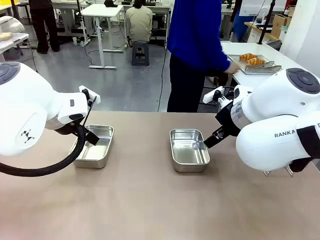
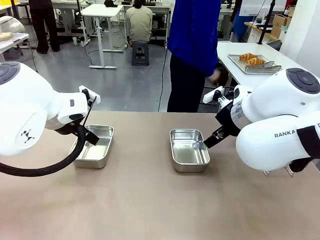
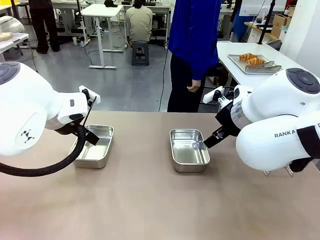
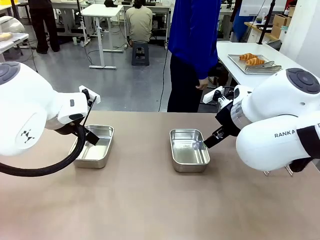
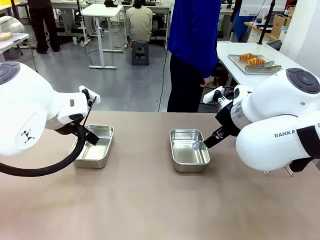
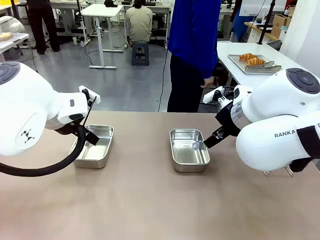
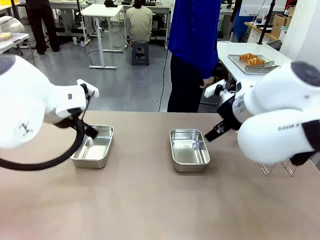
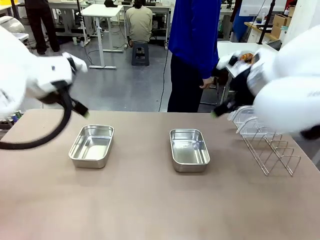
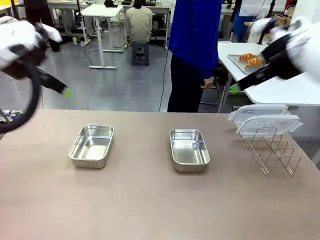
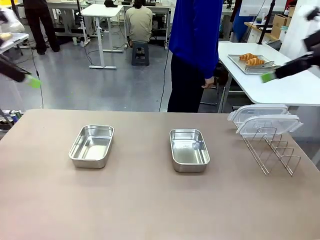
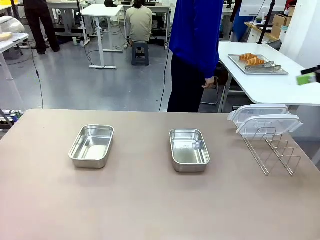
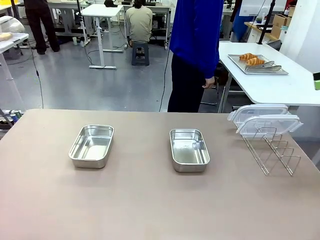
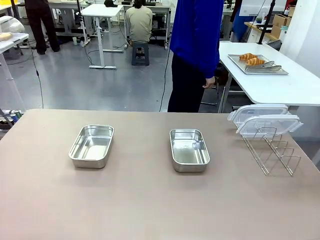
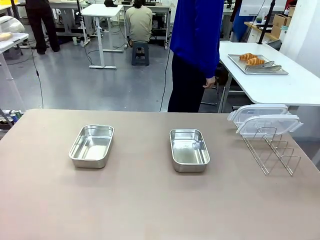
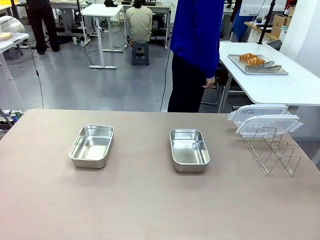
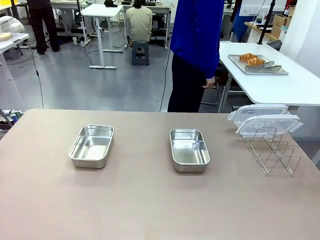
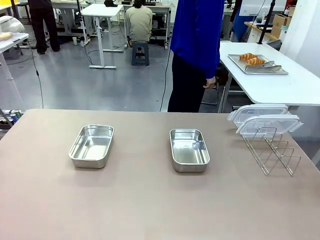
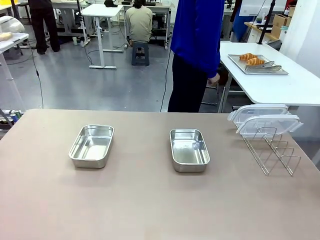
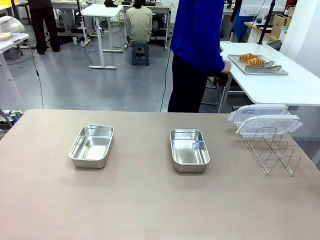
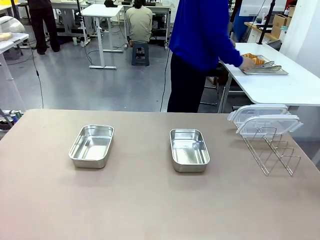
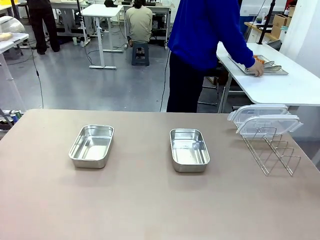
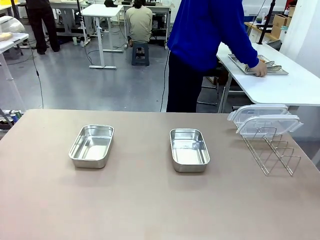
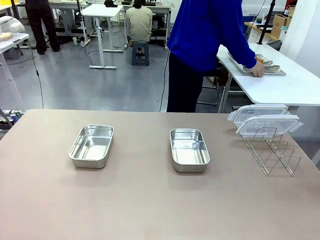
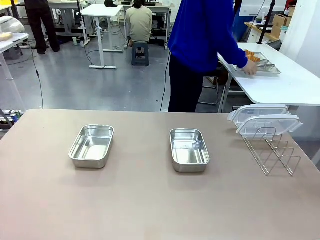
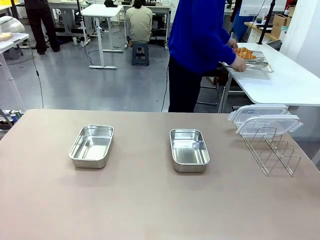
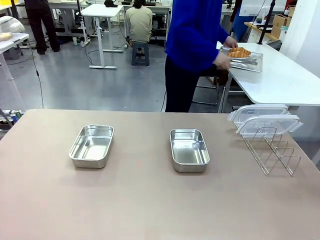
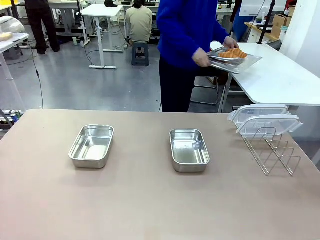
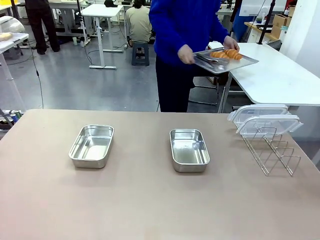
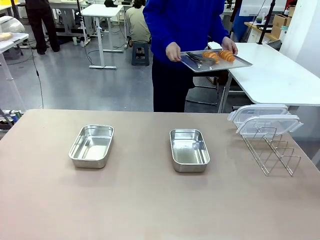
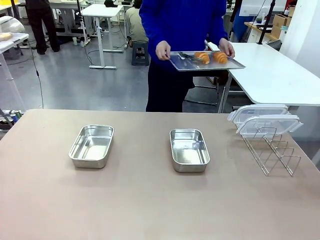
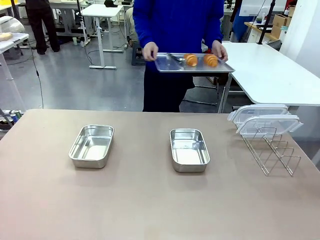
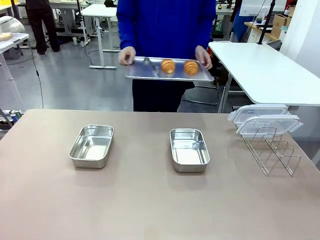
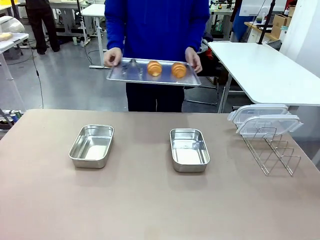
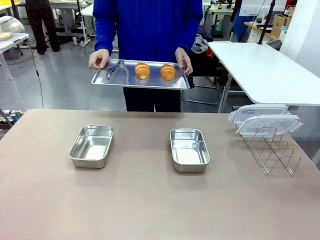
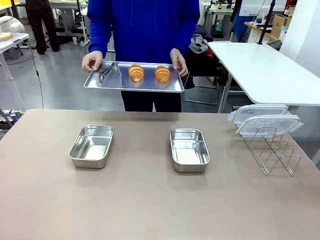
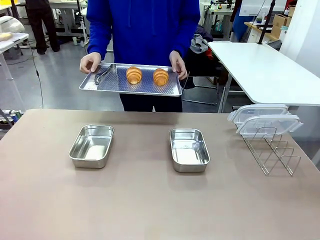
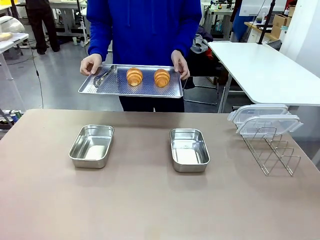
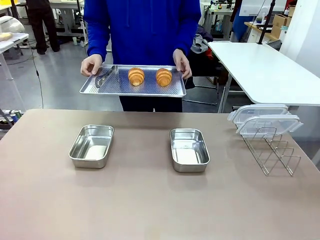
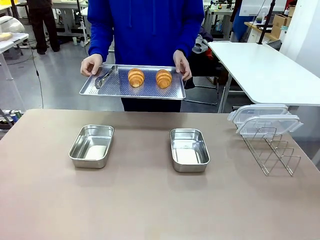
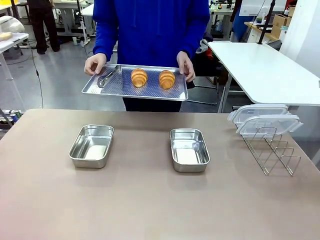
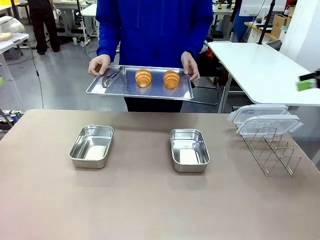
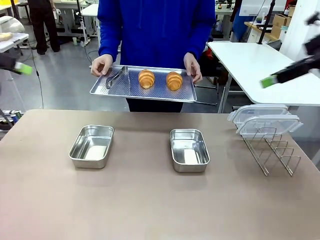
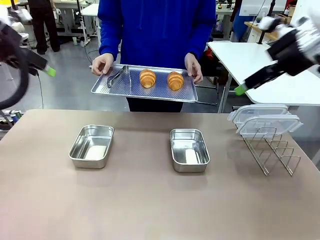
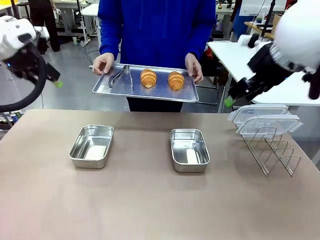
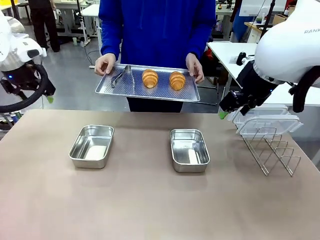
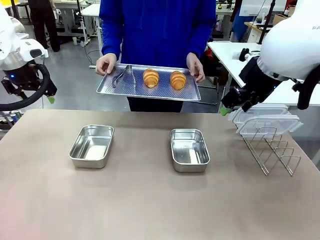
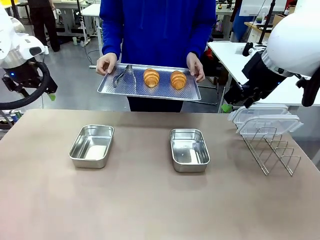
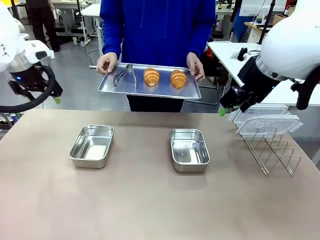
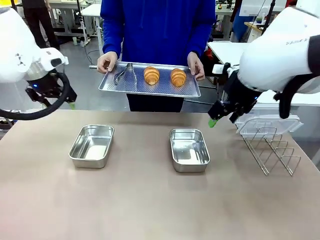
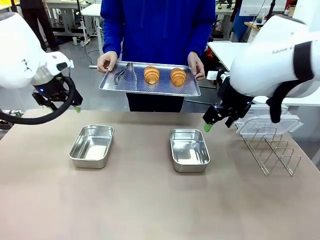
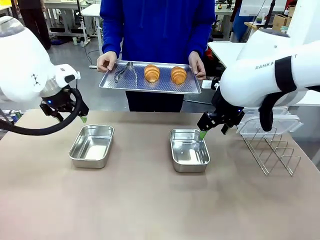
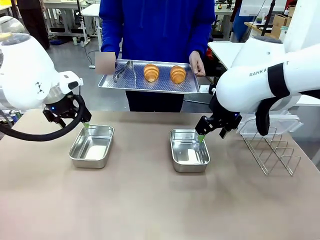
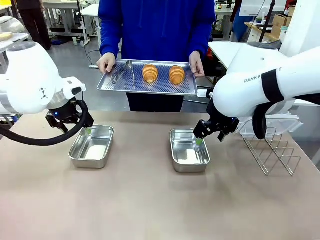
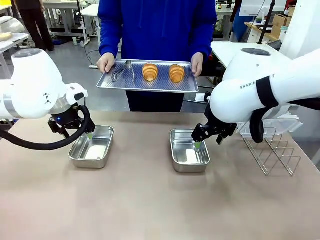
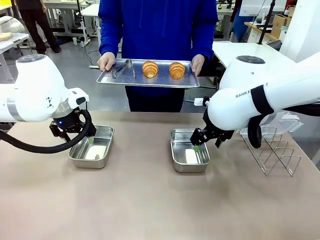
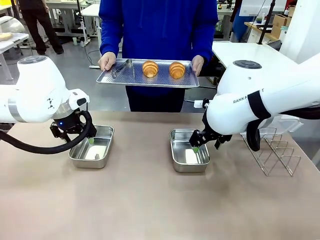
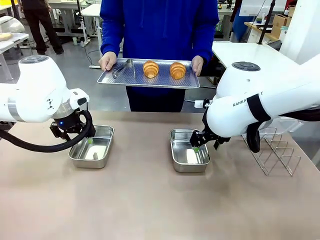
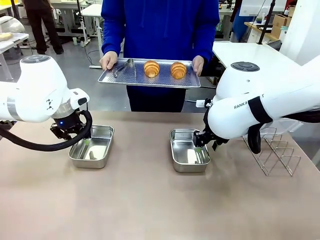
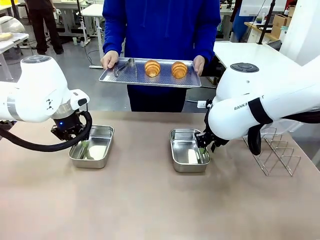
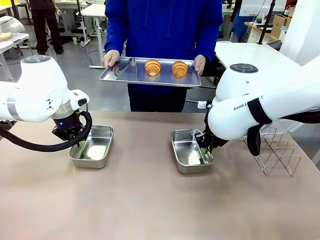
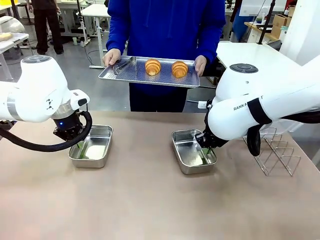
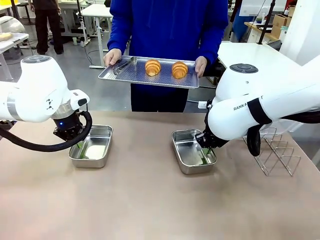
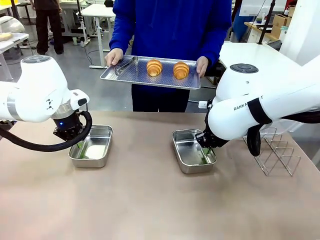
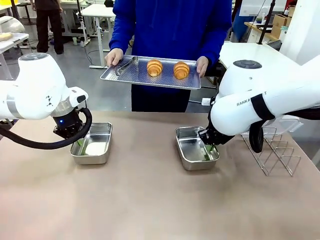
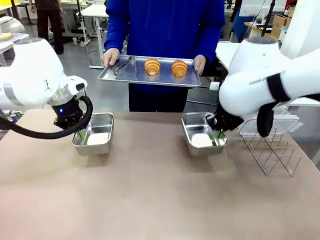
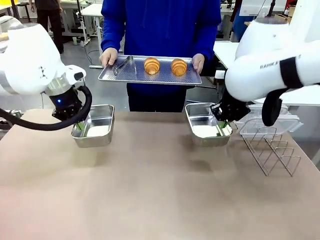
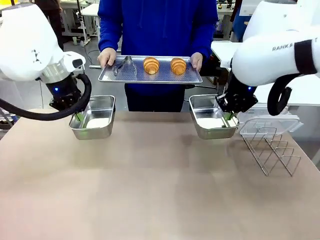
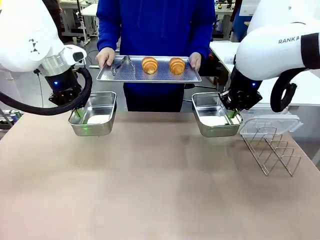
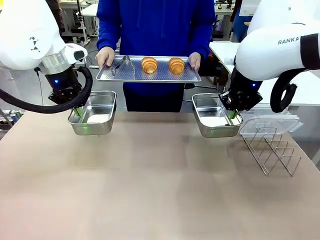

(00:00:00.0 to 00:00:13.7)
Task: Place the bread in airtight containers.
Robot: Lift both Airtight Container.
Person: Bring the Baking Sheet in front of Robot's Table.
